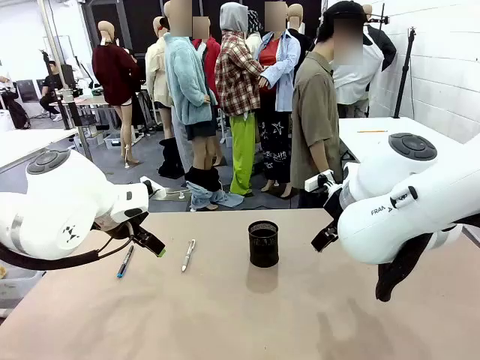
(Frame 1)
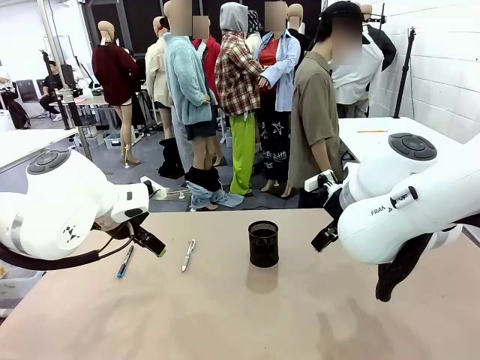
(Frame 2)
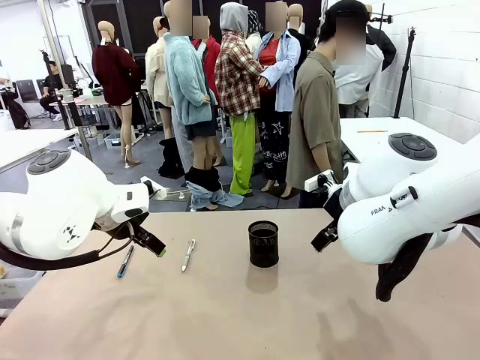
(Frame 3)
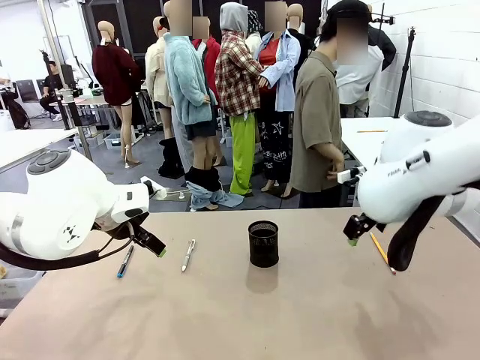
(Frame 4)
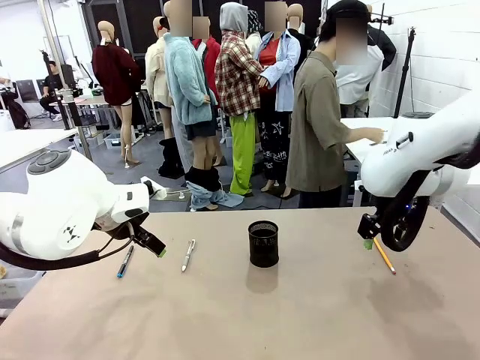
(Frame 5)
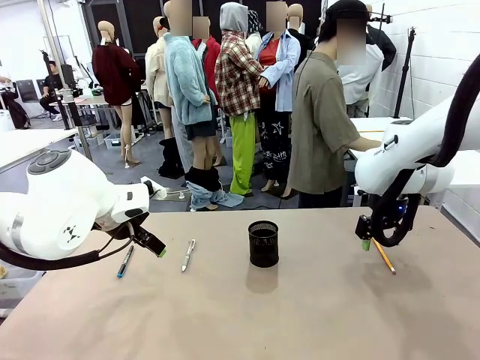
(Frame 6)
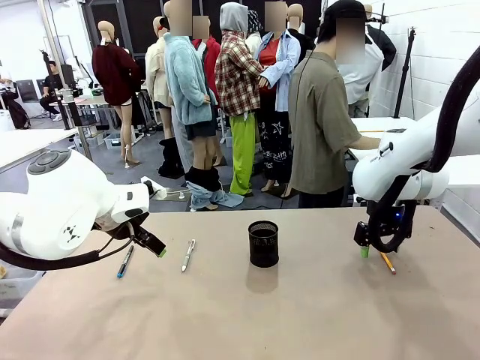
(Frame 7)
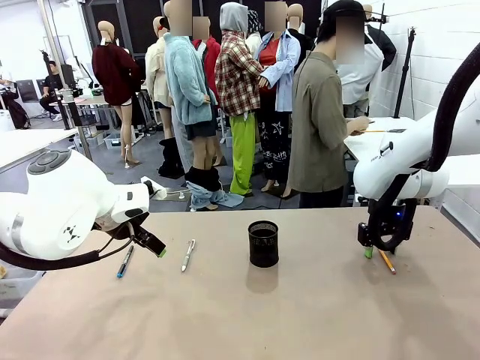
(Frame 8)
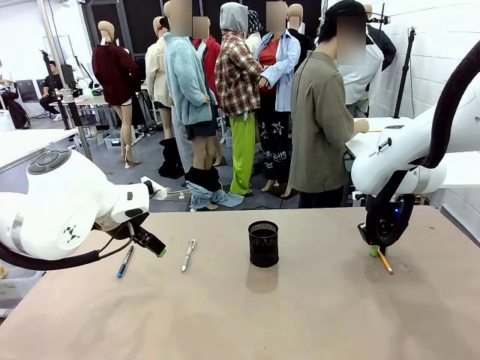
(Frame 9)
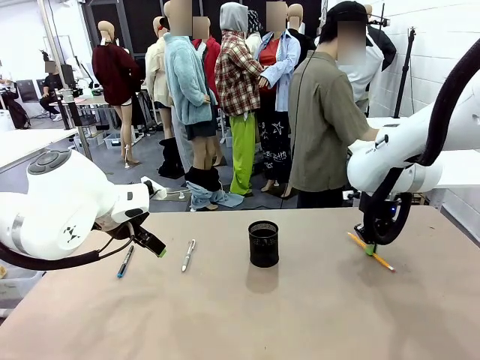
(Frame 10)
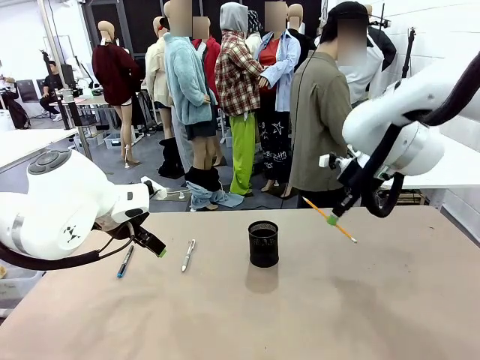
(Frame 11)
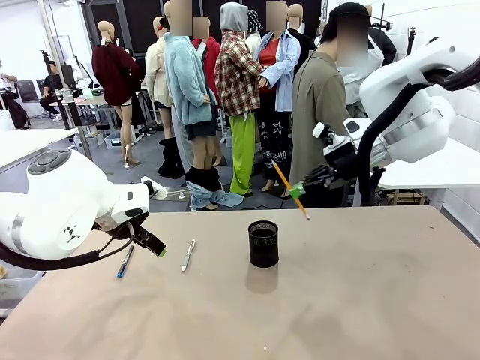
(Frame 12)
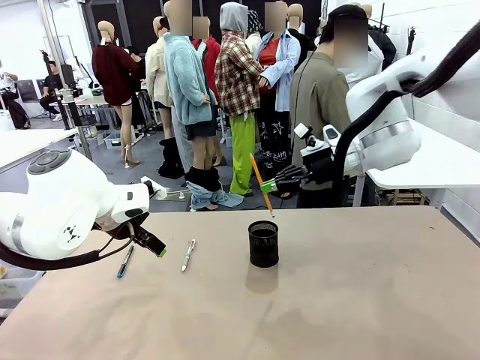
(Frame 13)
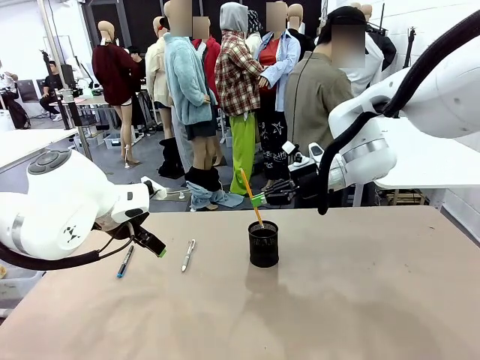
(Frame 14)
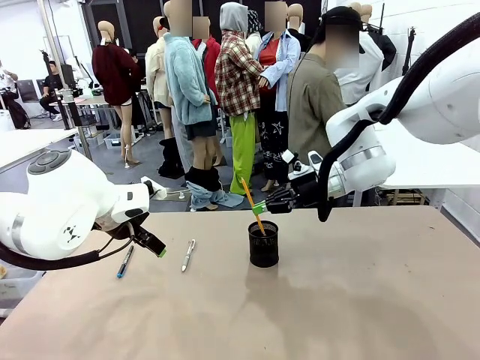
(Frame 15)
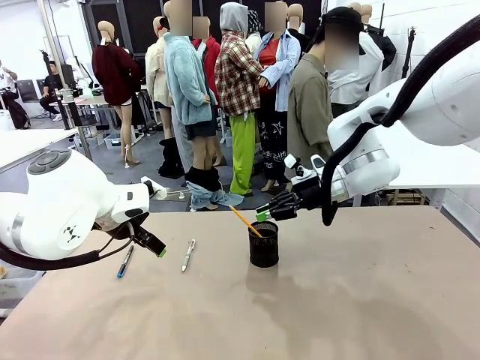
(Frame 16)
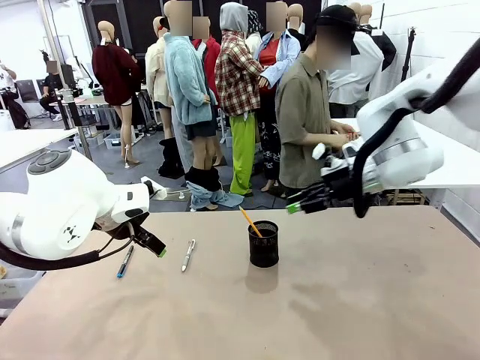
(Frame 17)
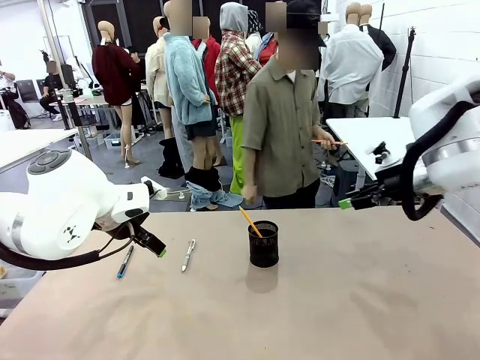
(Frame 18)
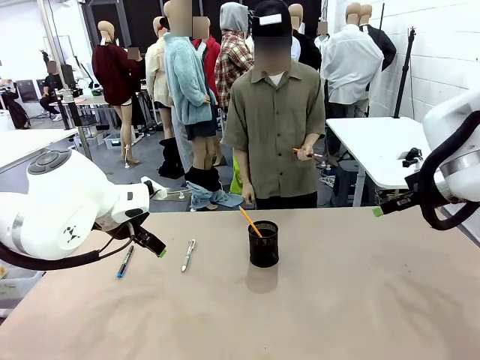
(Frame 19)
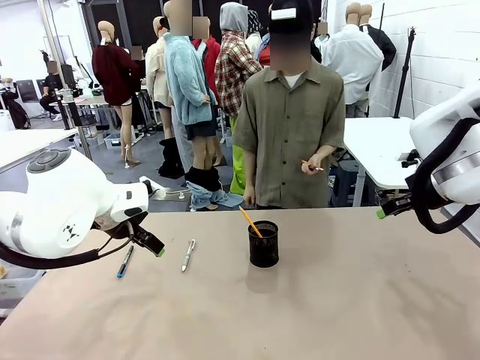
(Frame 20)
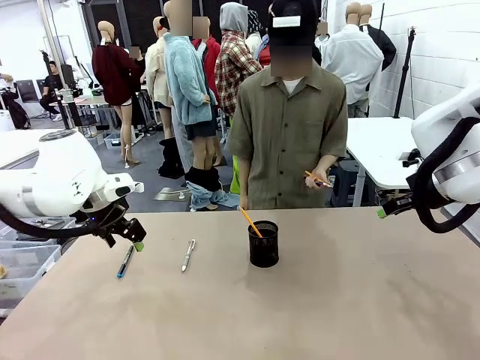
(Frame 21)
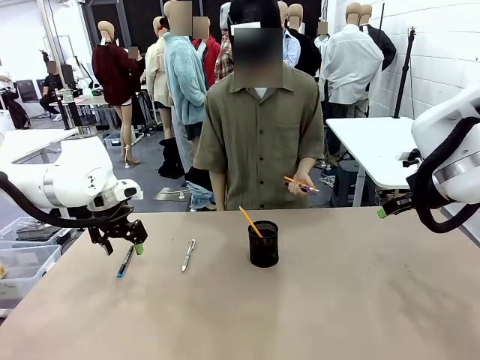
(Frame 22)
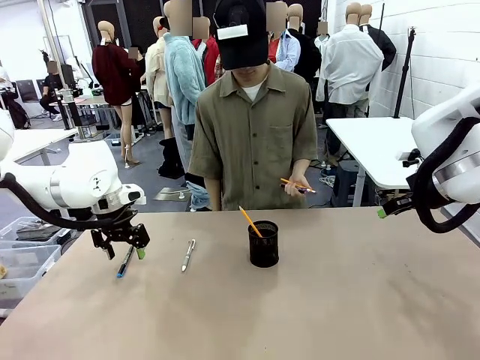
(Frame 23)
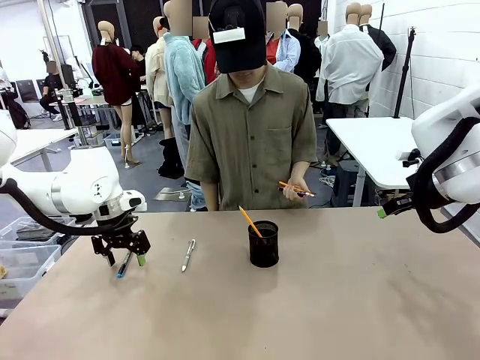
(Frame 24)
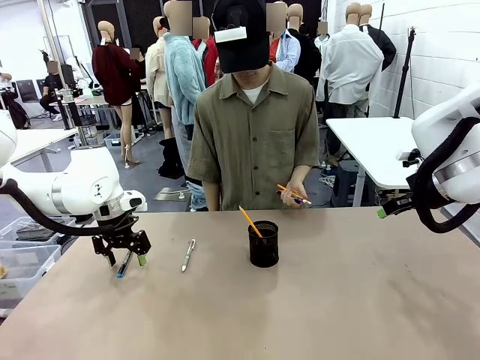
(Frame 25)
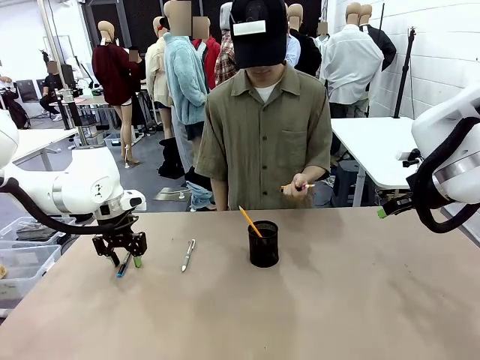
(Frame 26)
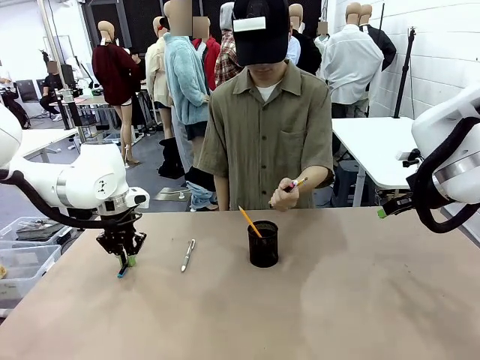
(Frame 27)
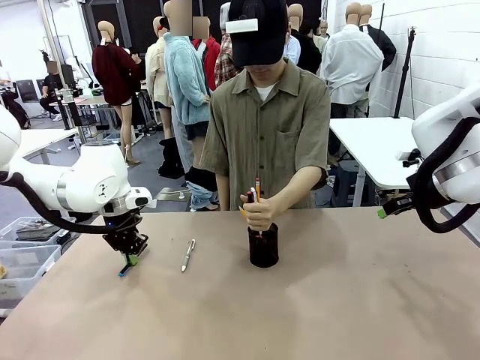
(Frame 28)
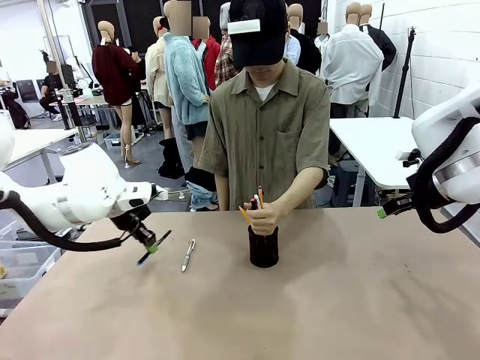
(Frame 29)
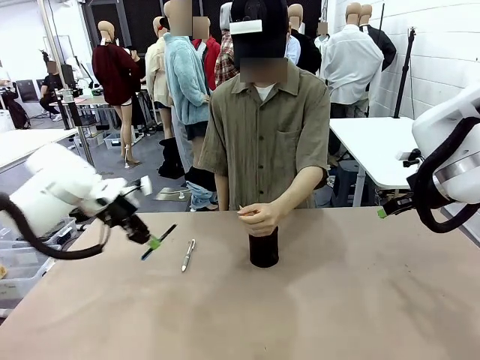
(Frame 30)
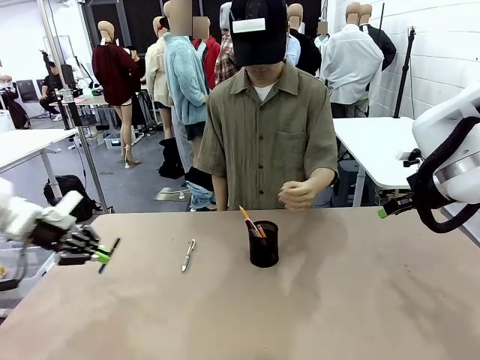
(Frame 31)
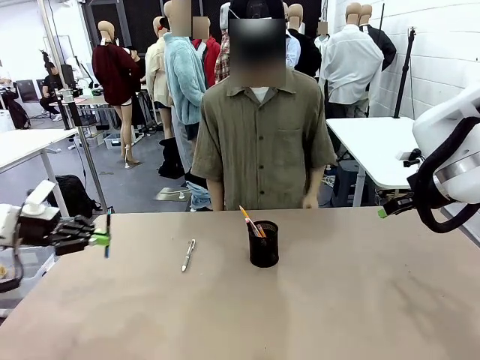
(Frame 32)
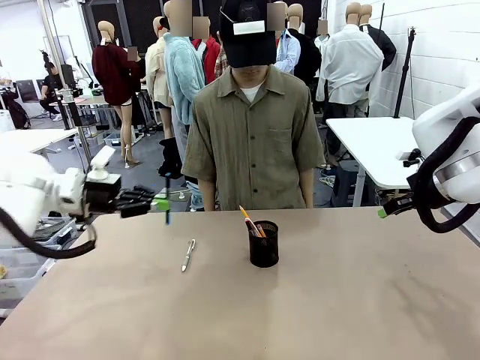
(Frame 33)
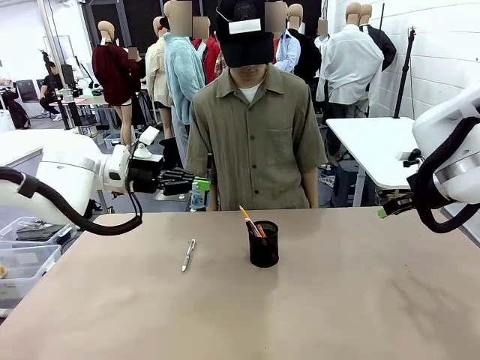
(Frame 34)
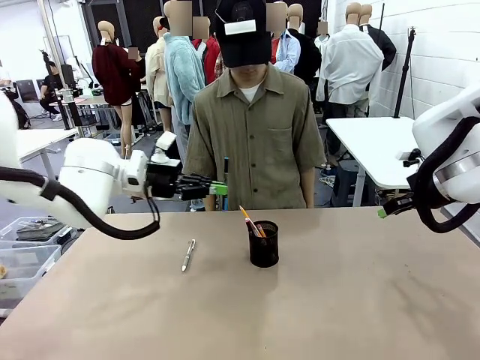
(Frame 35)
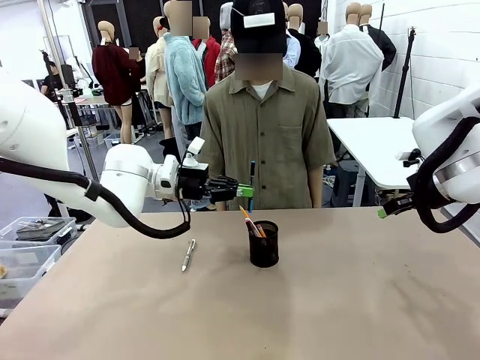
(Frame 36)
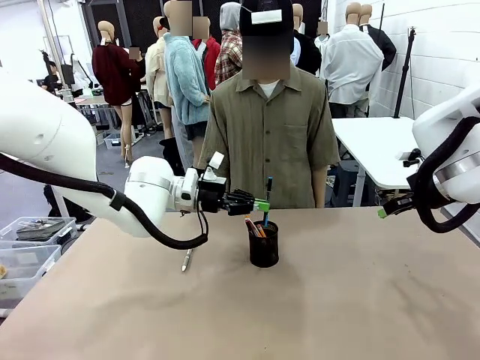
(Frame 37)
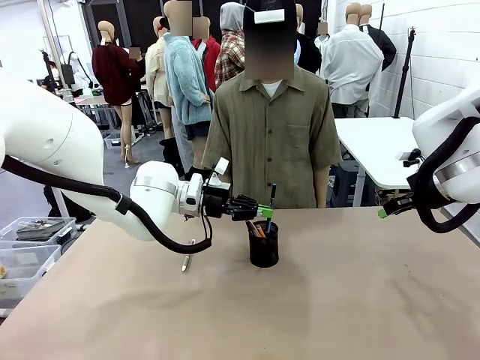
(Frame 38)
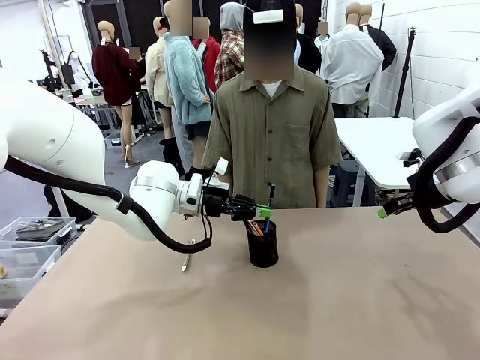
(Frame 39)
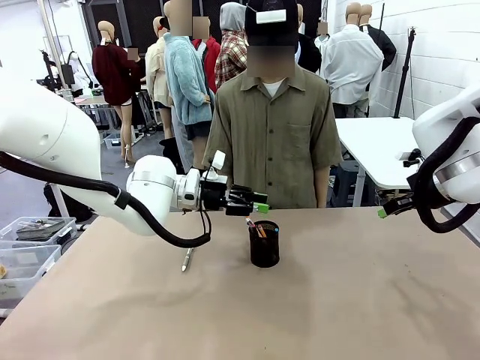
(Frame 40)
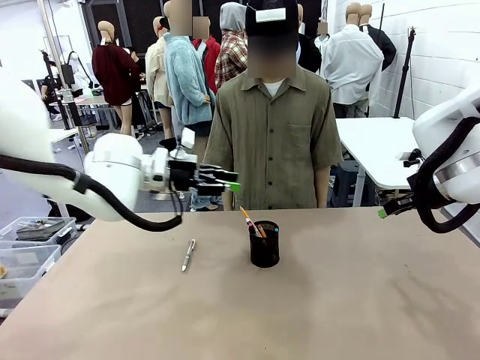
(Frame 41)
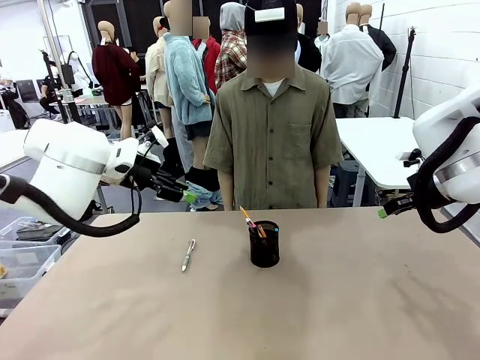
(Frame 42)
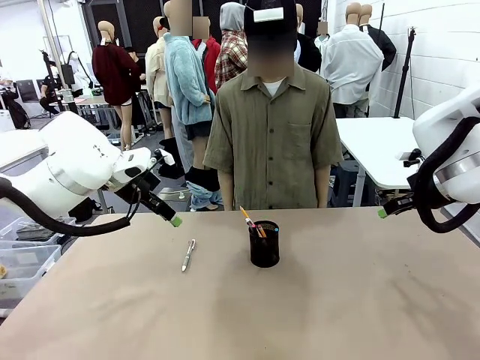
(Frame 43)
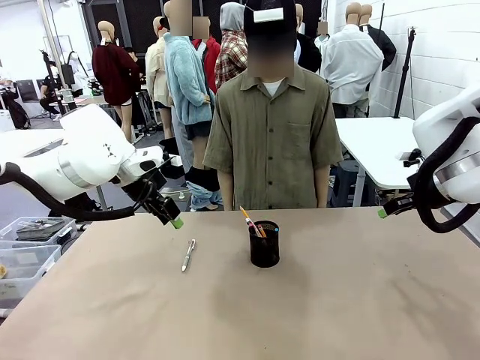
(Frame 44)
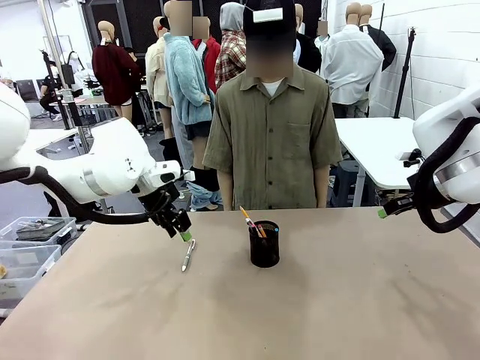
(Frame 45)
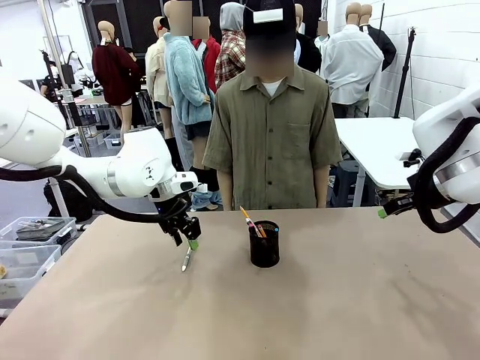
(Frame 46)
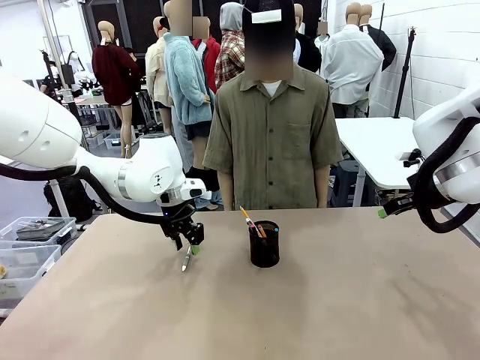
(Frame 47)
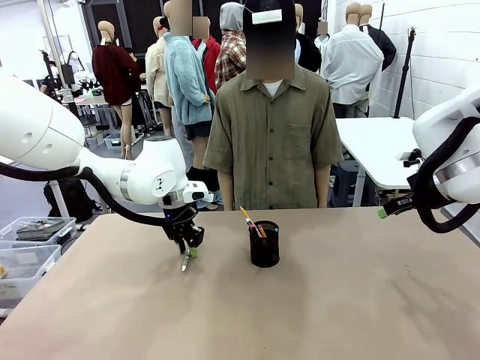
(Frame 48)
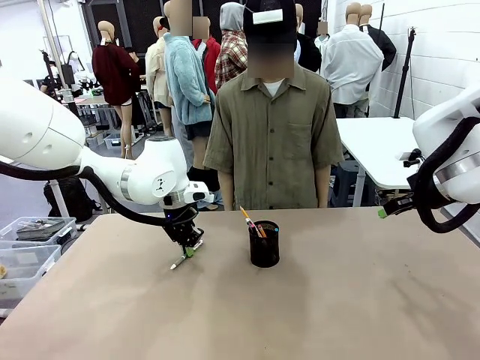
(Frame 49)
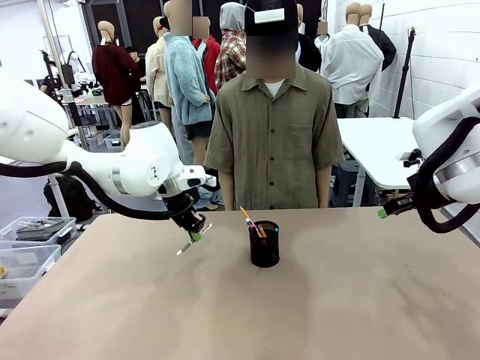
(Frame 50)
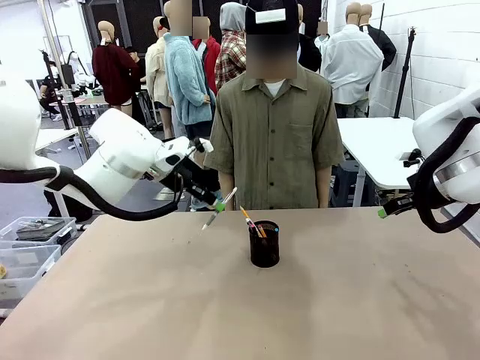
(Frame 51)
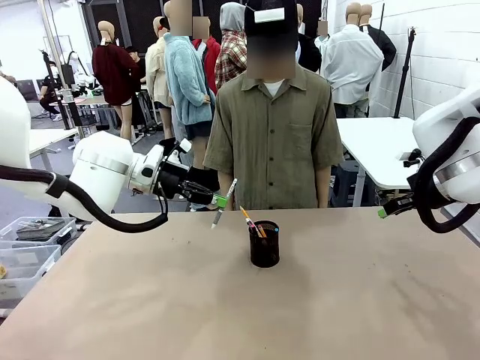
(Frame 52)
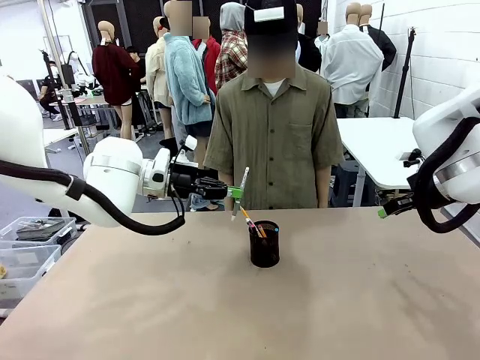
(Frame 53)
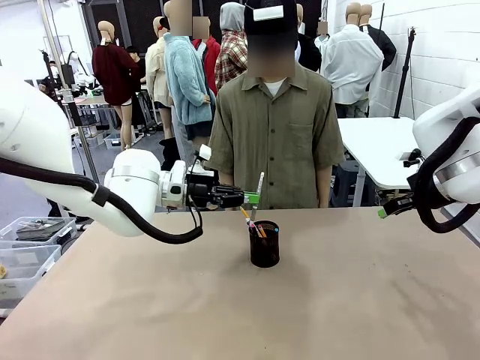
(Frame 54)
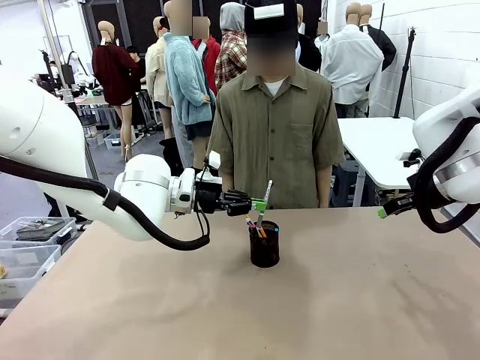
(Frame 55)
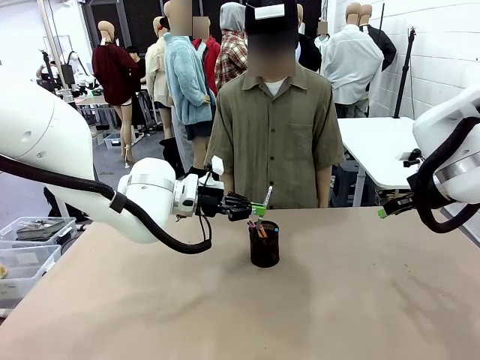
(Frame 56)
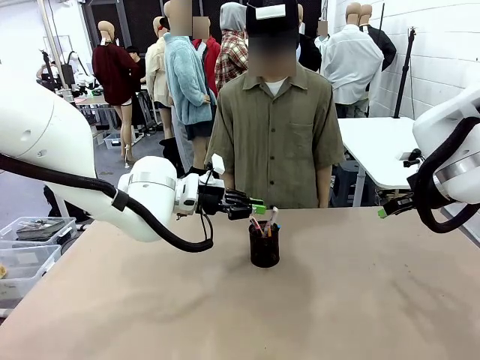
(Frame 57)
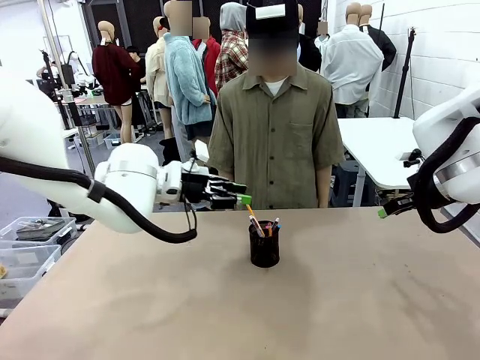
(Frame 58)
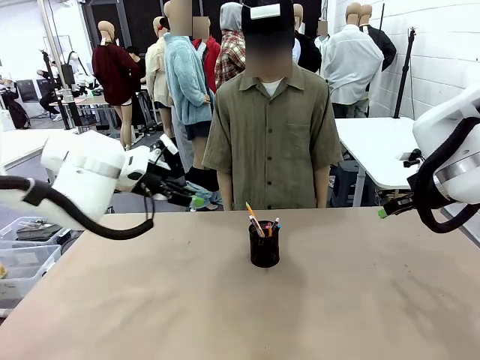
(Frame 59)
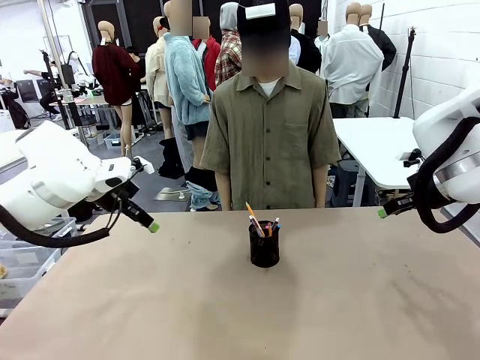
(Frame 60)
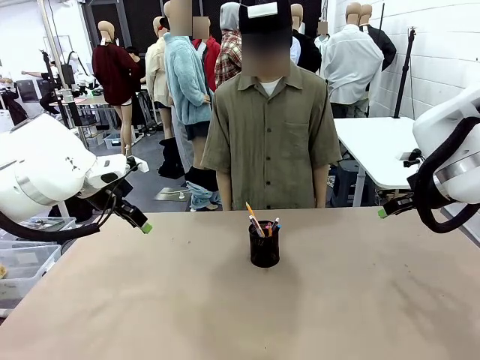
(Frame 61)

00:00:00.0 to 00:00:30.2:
Task: Place the pens into the pen holder.
Robot: Pick up a writing instrument from the table and place it into the Pen holder.
Person: Pick up all writing instruments from the Human table. Place all writing instrument into the Pen holder.
